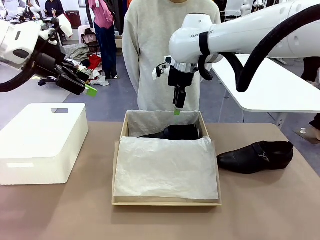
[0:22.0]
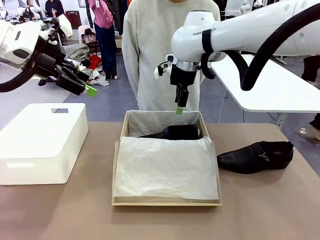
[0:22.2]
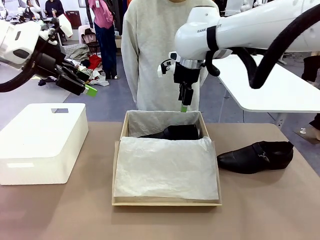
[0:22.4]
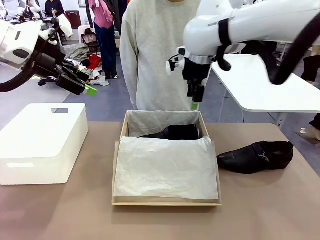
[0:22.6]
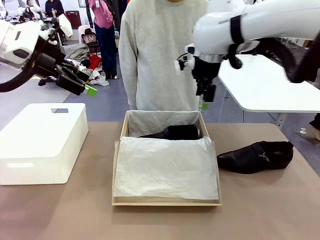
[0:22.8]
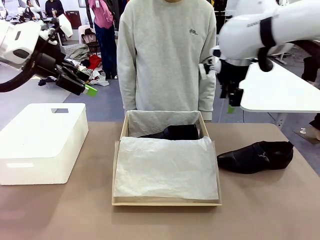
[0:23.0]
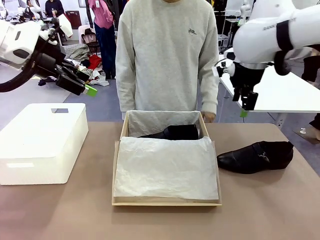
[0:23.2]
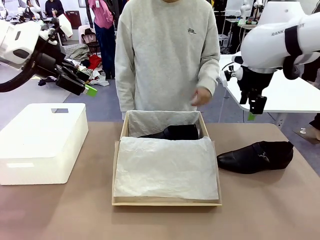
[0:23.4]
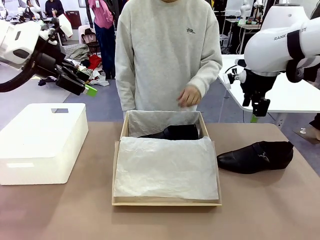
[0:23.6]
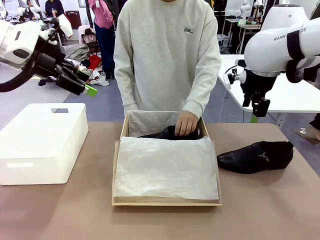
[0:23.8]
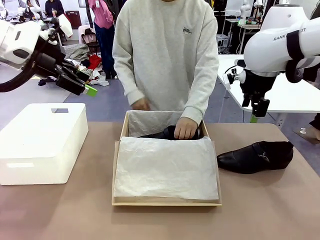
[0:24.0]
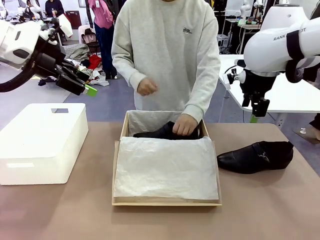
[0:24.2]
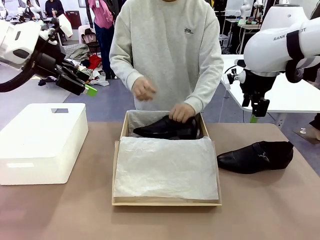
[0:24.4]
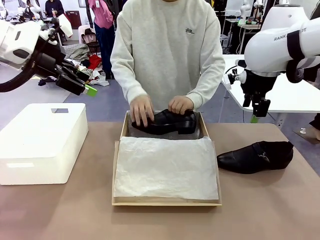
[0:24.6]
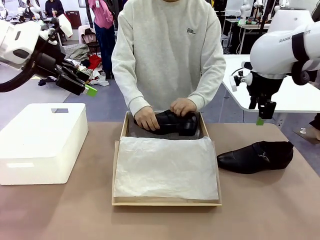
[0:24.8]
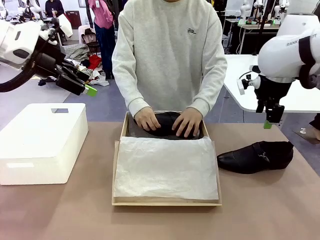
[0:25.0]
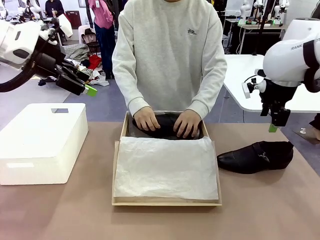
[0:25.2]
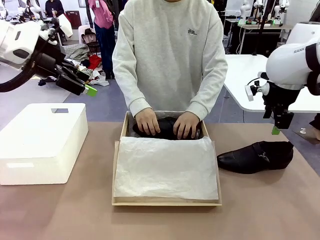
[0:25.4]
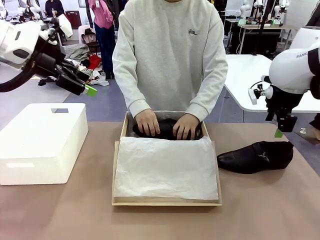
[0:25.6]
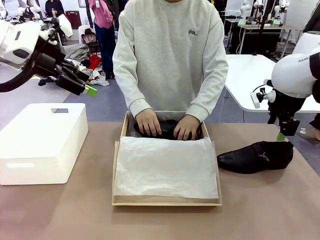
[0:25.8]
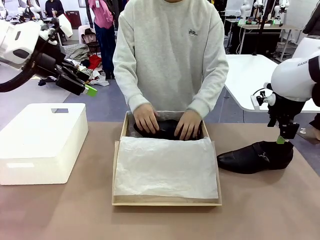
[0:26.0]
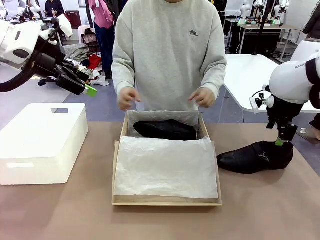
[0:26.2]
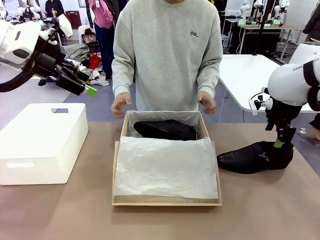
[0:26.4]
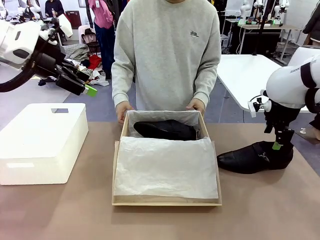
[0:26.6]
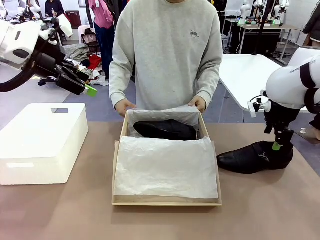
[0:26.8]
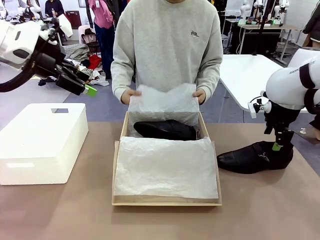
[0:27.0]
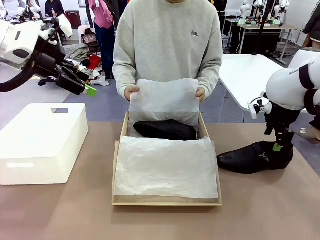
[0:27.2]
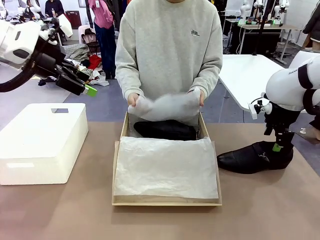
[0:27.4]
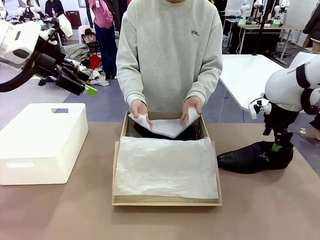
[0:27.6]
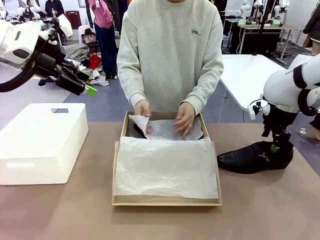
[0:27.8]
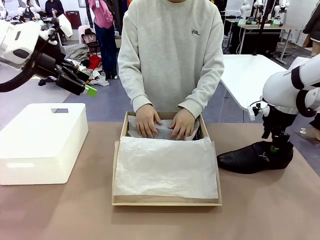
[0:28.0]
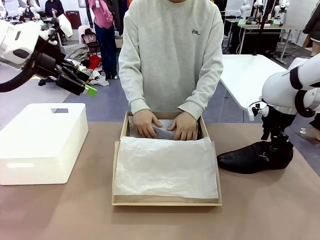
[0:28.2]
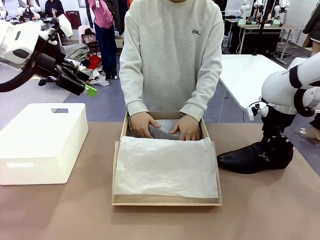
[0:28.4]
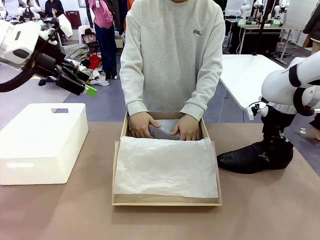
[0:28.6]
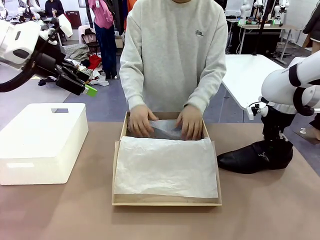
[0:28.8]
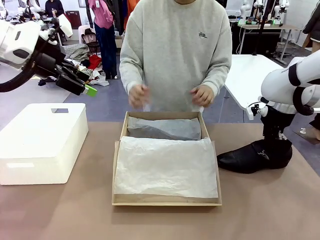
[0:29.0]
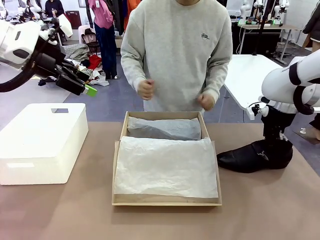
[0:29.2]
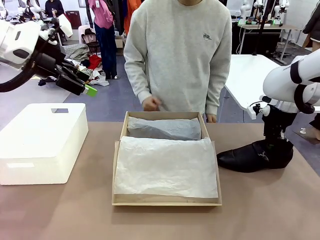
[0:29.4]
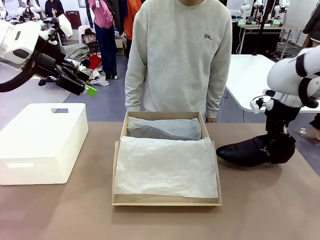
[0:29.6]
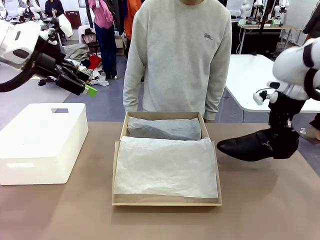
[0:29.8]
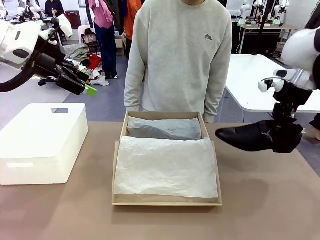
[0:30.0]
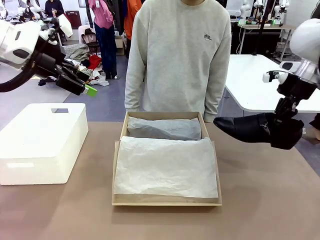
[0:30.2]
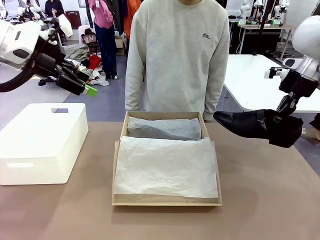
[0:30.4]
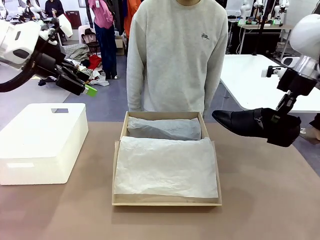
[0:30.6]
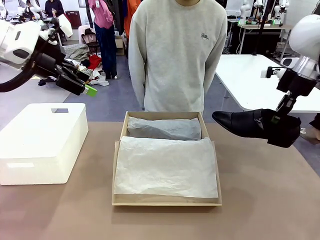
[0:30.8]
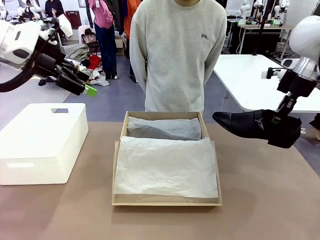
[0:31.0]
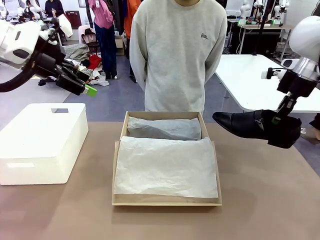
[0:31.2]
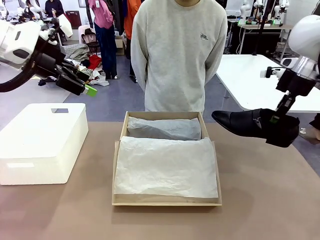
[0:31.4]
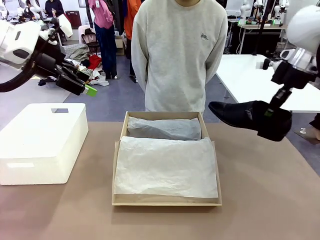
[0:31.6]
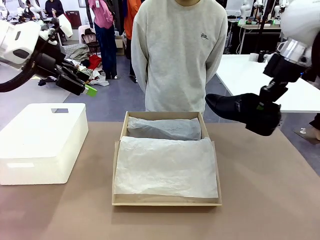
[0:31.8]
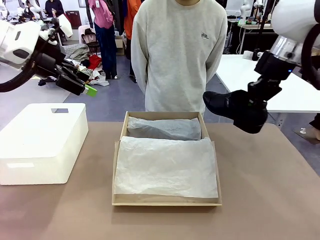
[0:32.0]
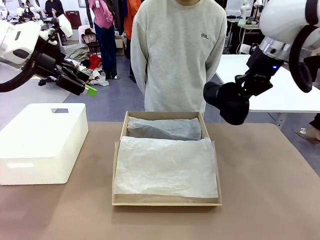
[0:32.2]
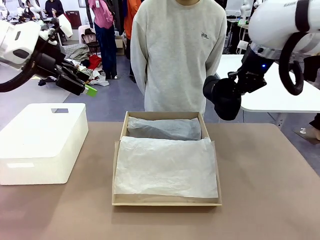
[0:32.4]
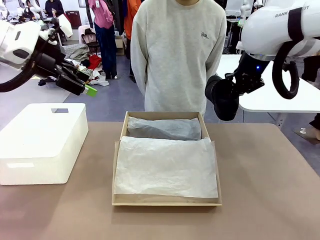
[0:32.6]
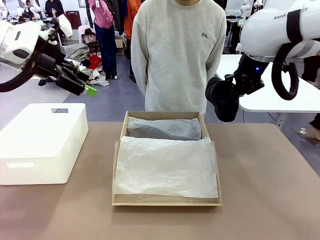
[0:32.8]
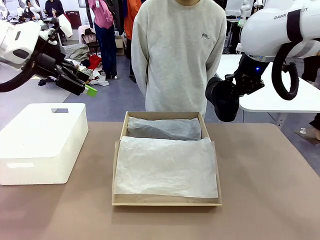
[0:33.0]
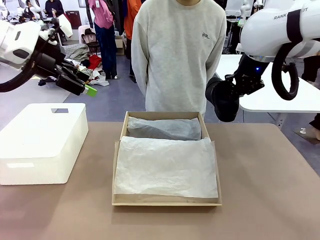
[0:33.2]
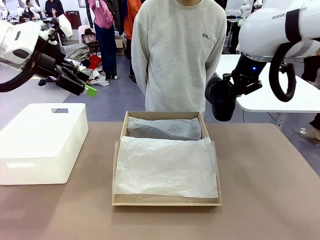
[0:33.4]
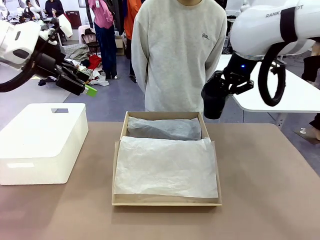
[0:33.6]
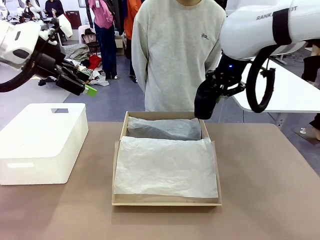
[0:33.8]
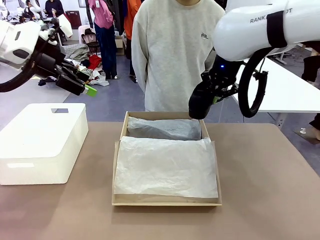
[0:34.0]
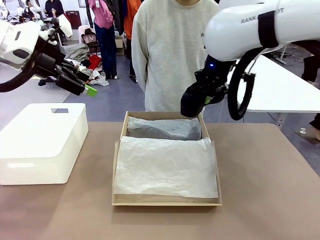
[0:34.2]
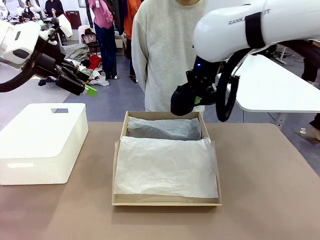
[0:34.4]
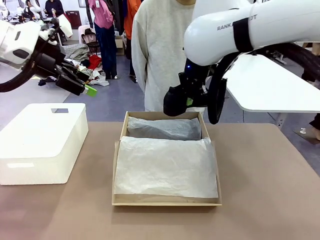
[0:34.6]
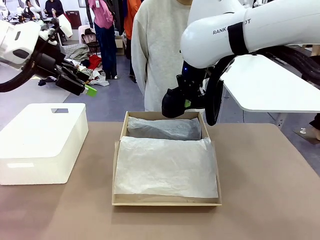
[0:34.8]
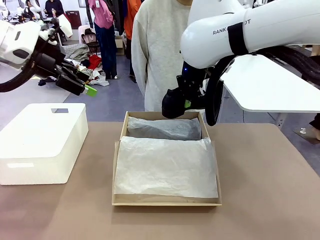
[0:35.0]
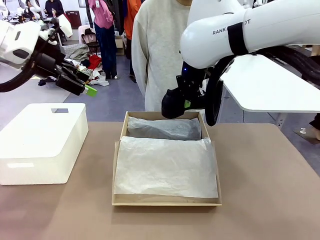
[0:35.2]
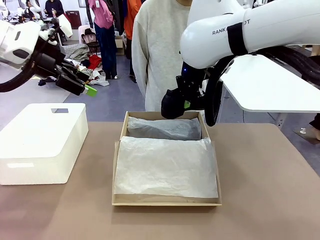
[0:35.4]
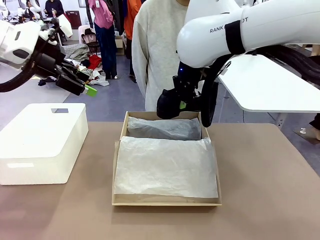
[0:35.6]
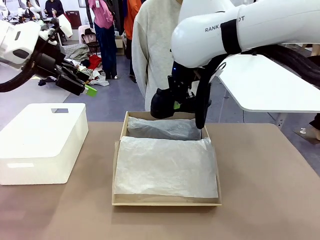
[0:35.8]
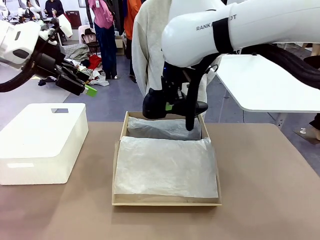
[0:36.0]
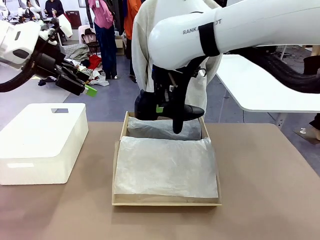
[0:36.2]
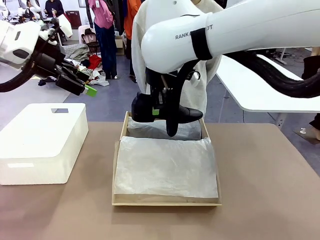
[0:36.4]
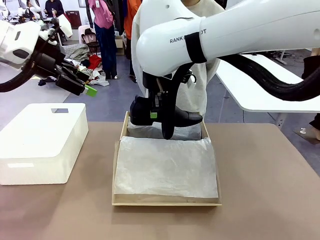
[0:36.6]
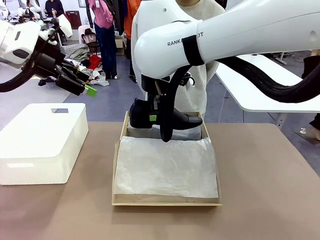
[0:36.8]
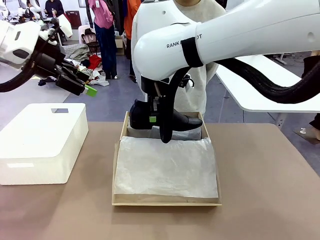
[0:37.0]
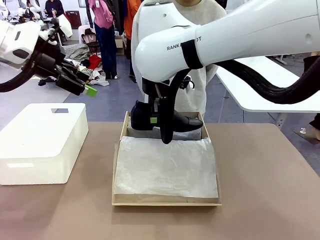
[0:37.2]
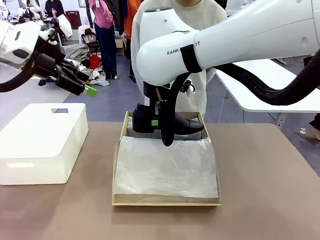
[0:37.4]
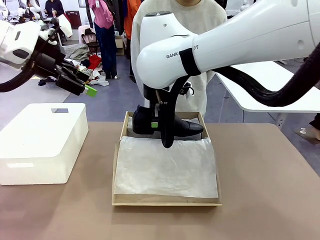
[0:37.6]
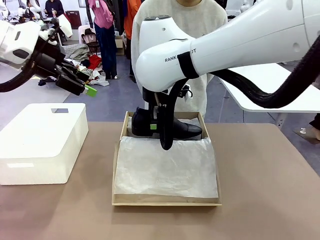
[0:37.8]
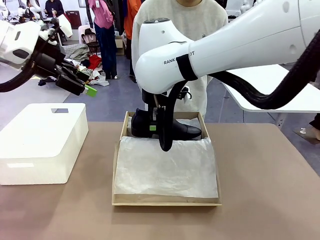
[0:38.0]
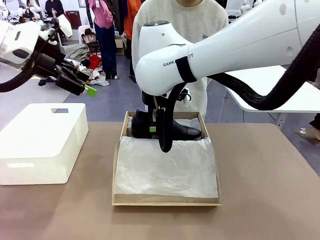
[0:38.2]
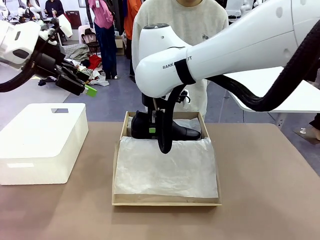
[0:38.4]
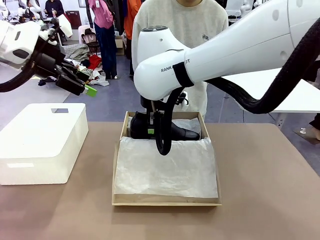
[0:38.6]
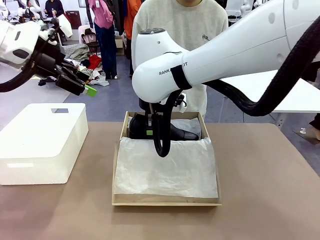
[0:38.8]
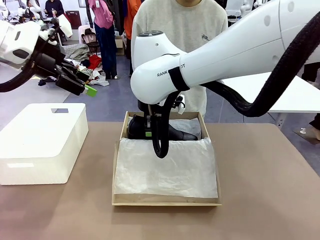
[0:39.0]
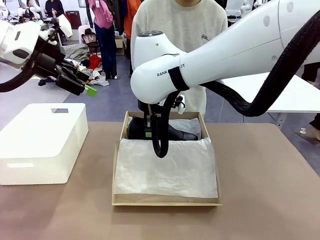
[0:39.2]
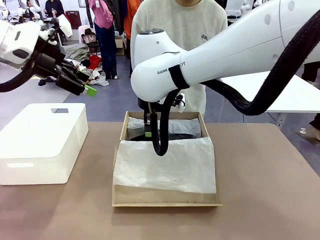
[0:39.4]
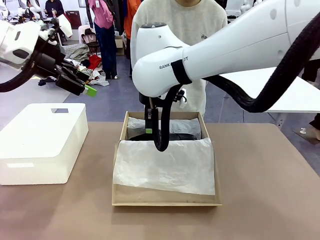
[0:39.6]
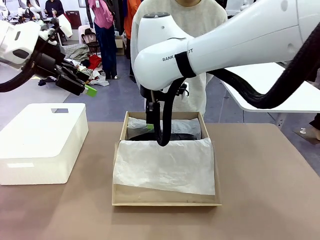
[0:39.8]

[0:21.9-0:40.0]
Task: Pack the shoes into the box.
Robot: Place the other shoe of the Shoes into the Shoes Box.
Person: Pack a shoe of Shoes inside the Shoes Box with Shoes Wrapping Paper.
